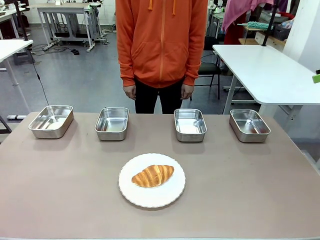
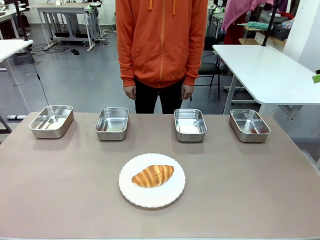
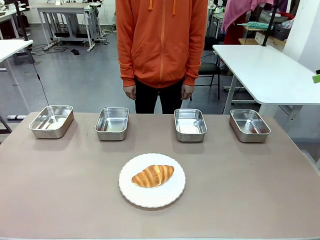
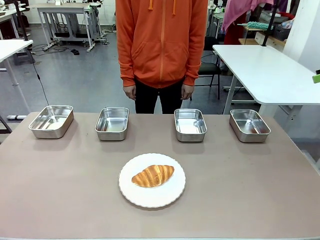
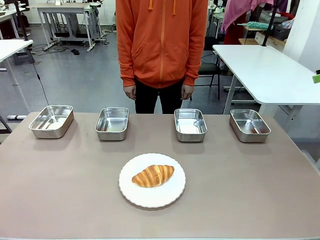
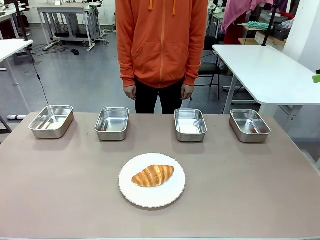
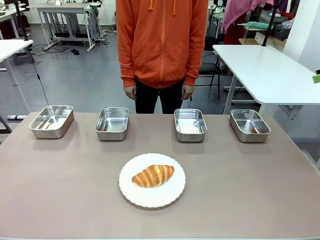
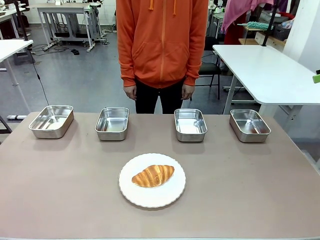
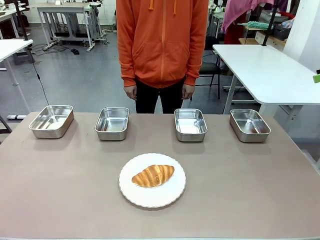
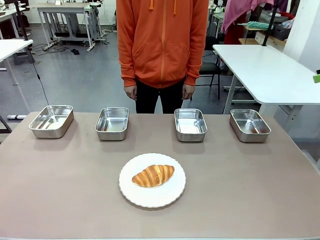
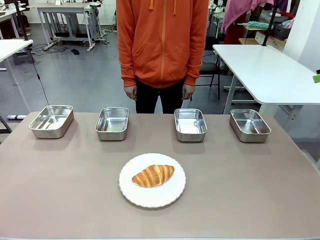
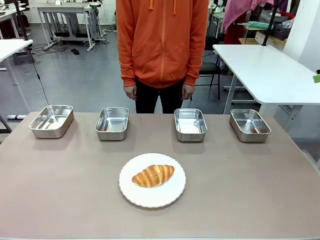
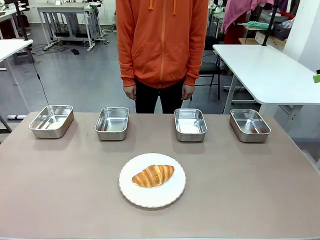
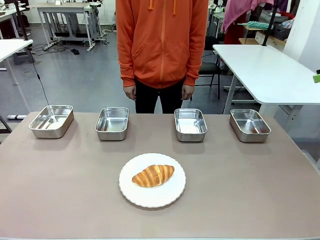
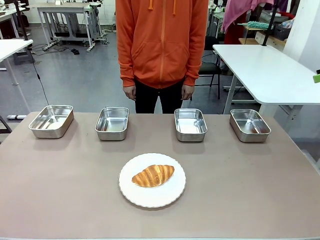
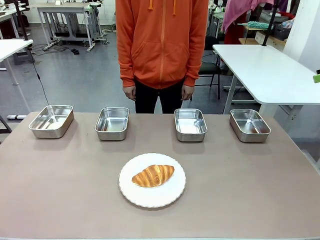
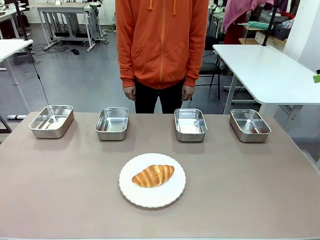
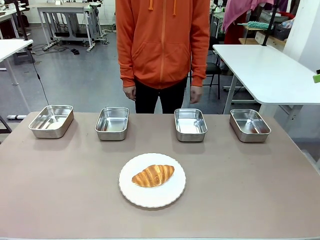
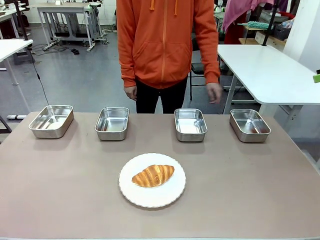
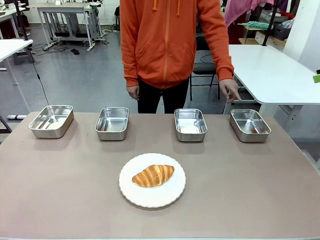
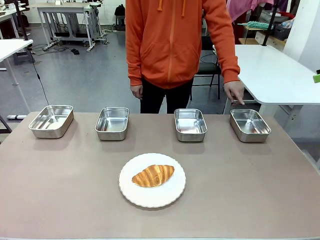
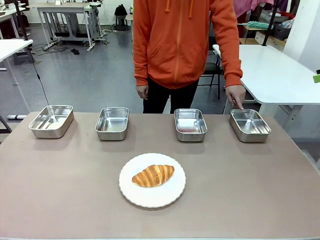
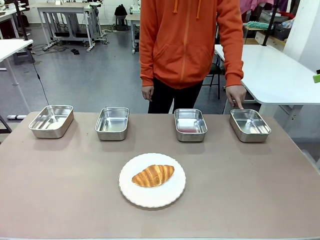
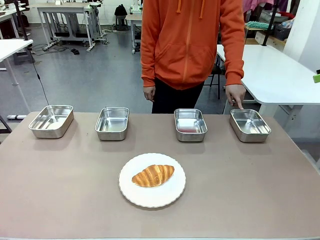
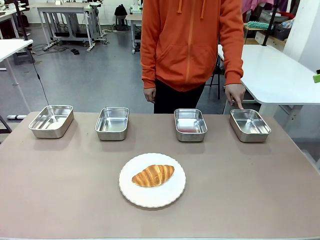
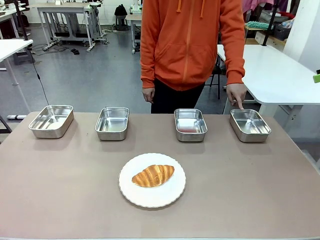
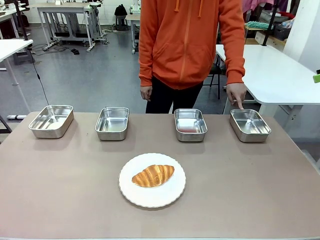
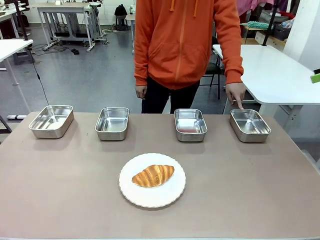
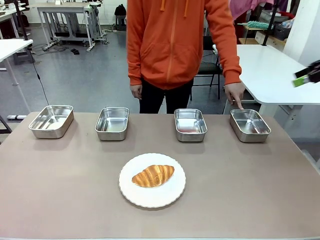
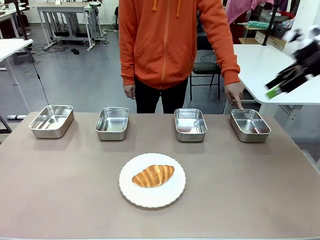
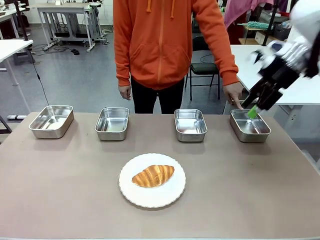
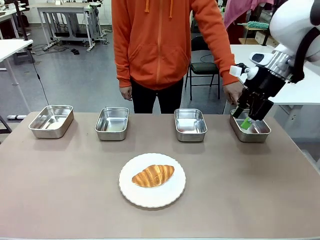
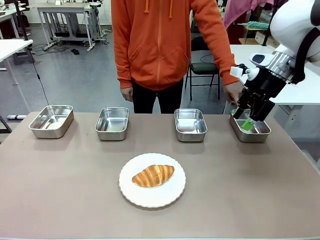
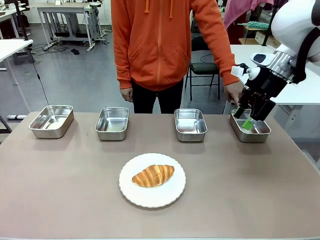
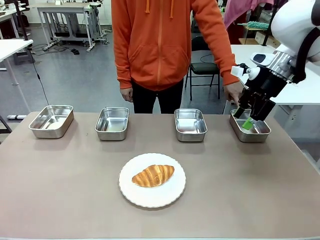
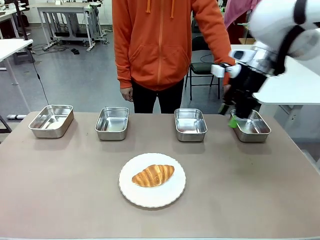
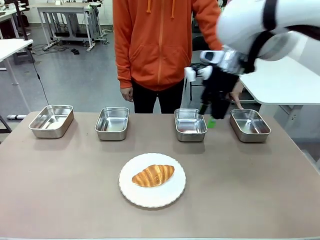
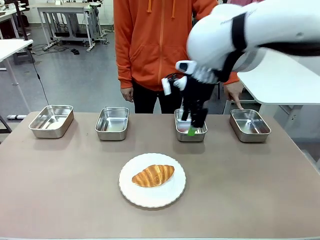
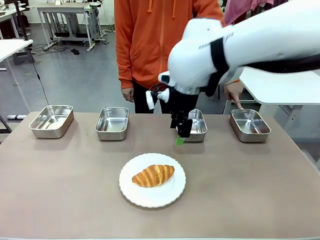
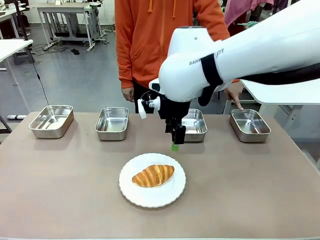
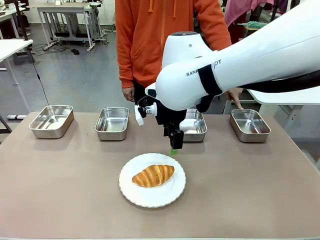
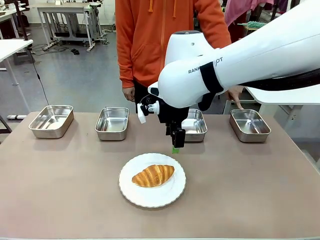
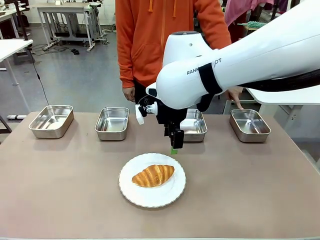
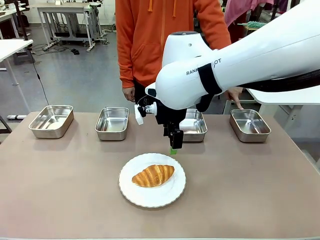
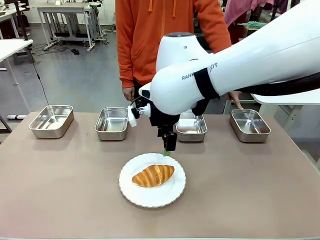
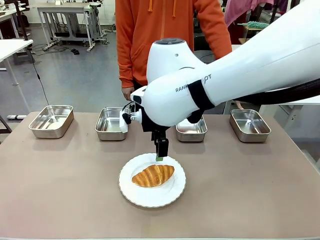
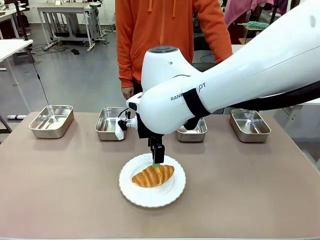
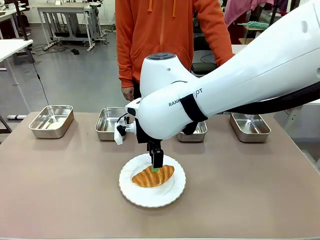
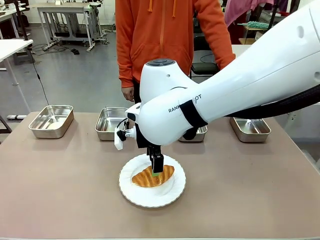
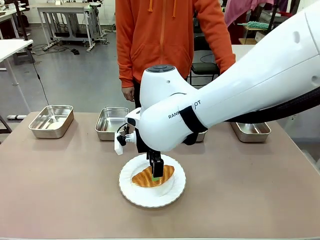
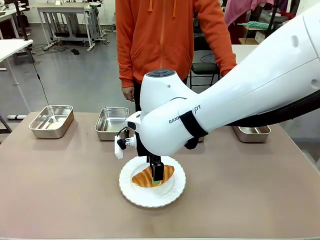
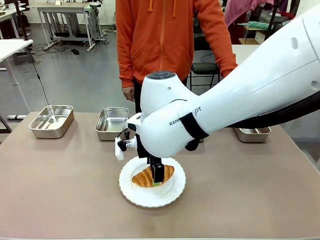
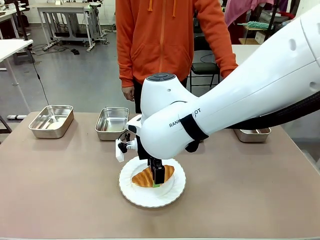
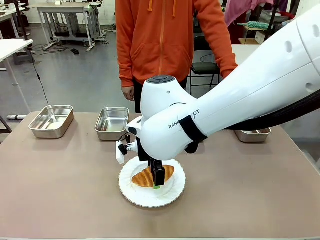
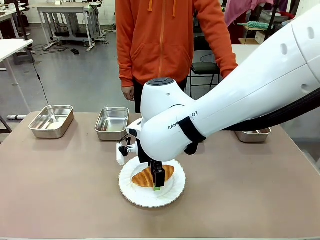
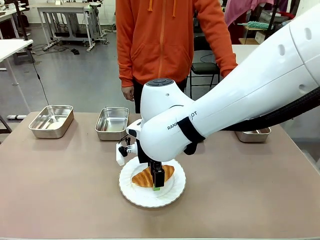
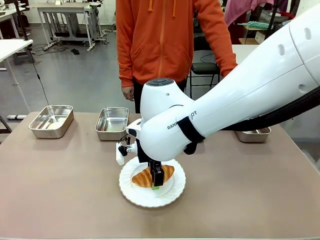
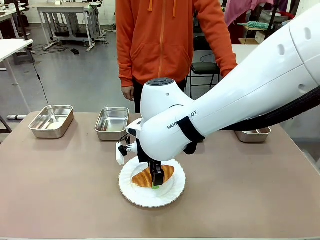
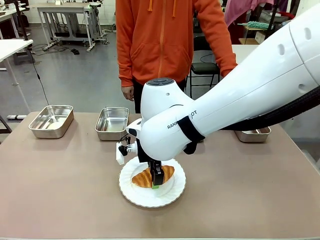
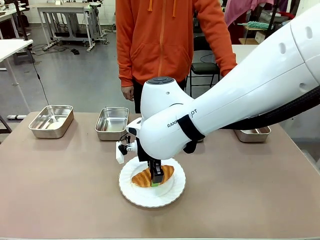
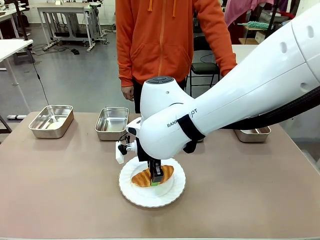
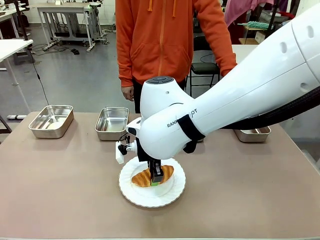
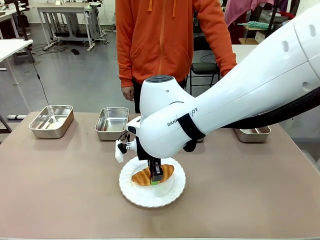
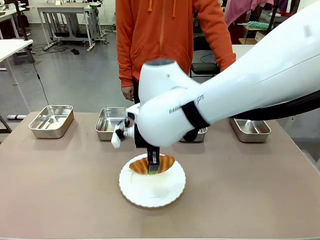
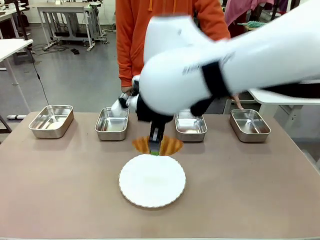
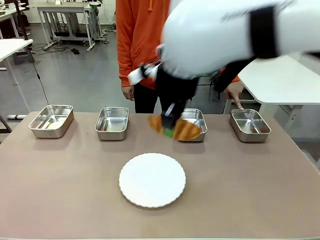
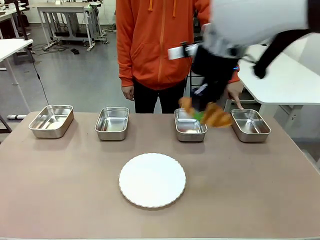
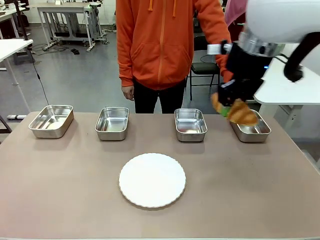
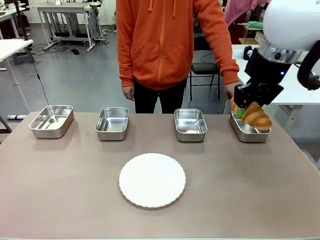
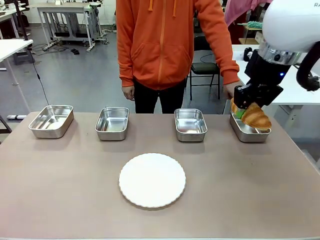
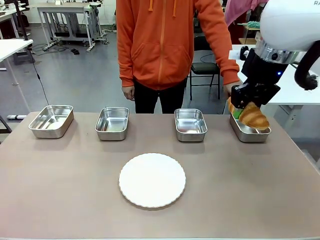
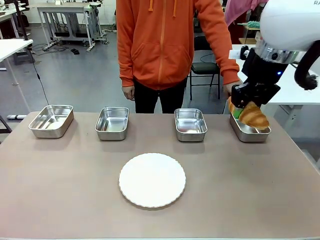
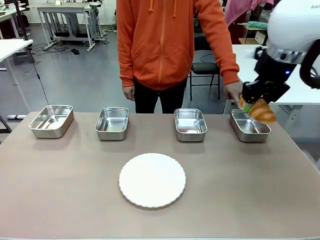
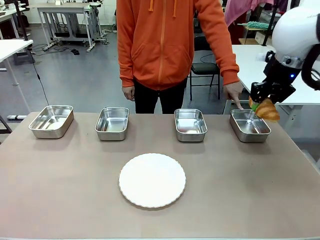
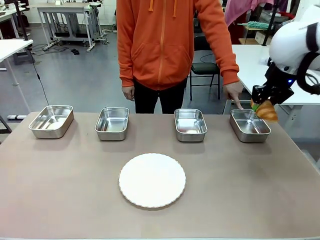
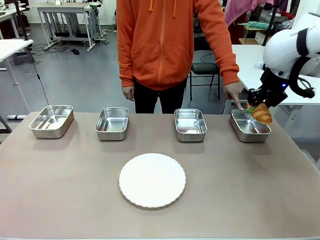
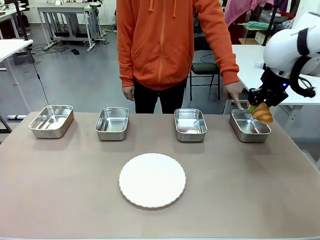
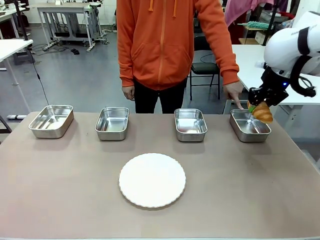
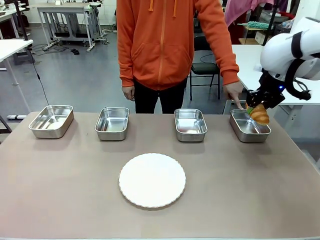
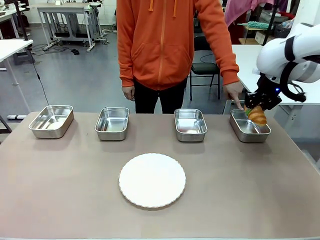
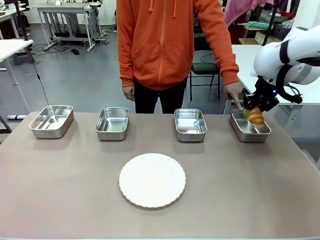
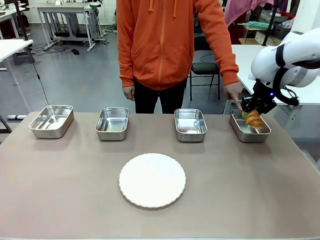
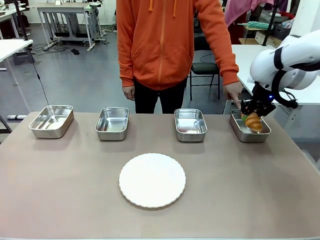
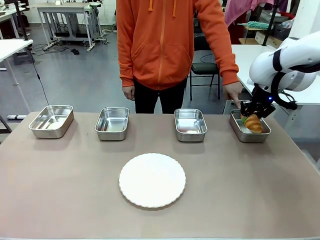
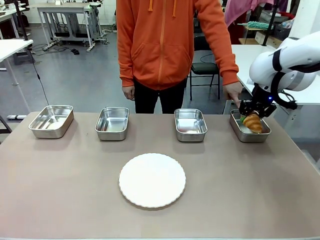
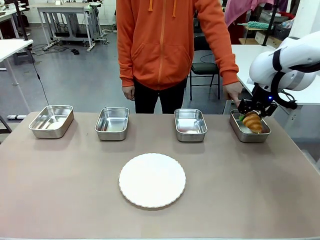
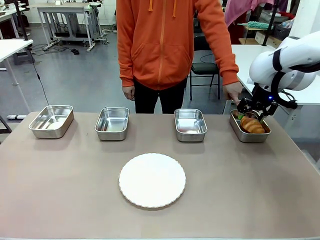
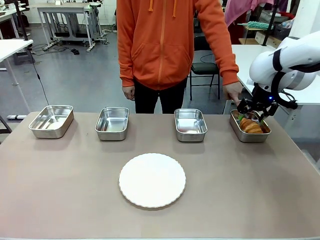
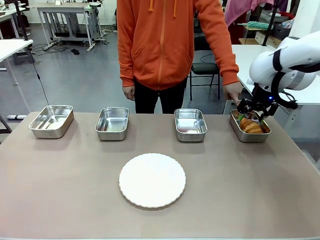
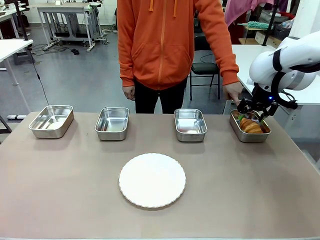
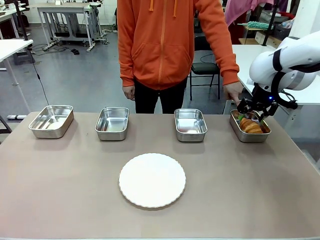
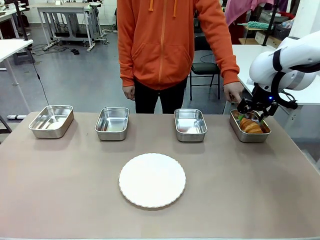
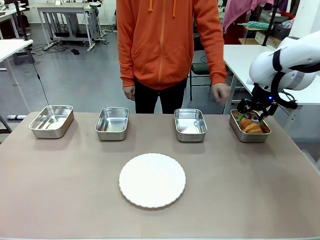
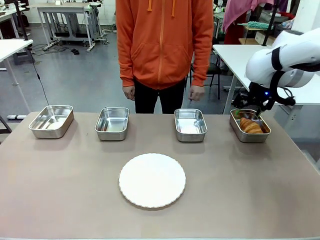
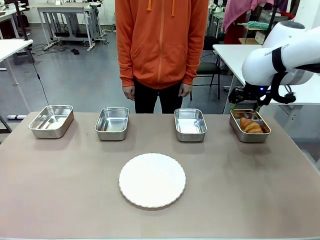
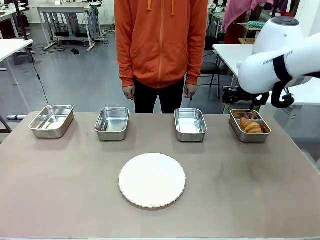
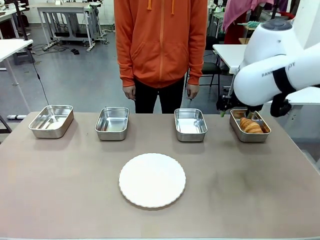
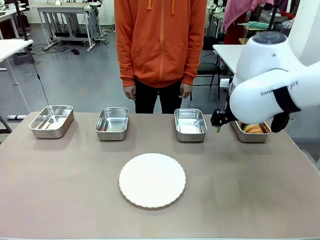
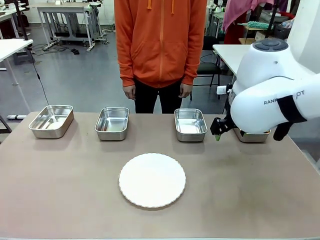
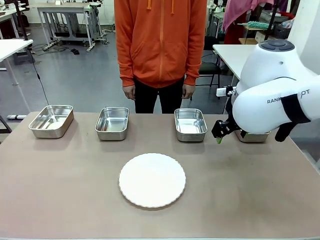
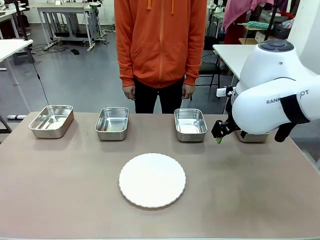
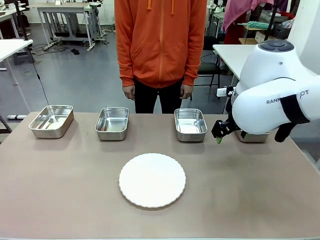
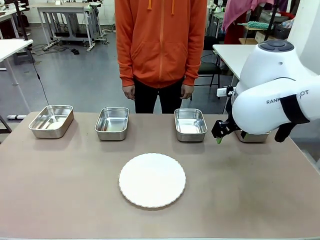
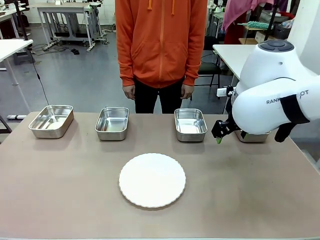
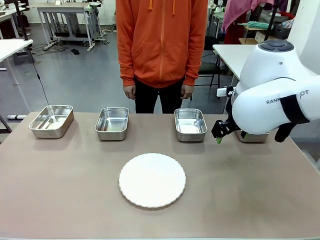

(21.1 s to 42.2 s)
Task: Place the bread in the container.
Robot: Place the Butter Roll into the Airtight Container indicated by the human.
